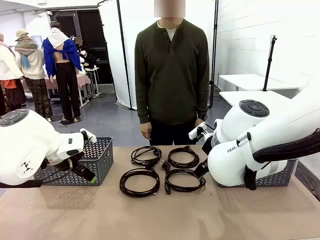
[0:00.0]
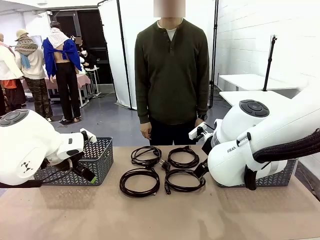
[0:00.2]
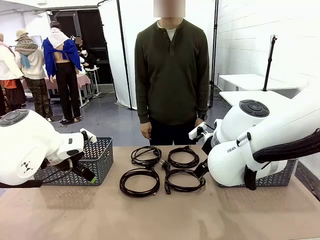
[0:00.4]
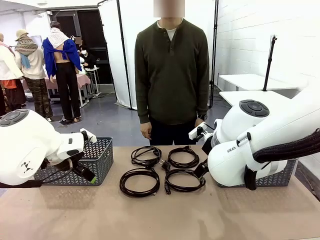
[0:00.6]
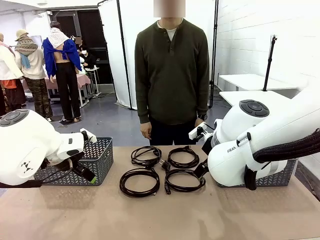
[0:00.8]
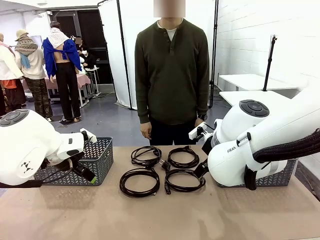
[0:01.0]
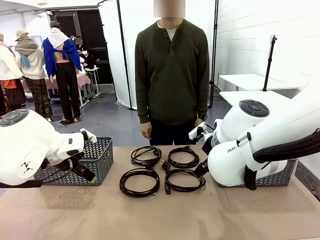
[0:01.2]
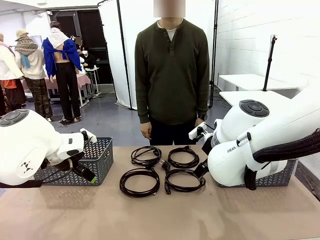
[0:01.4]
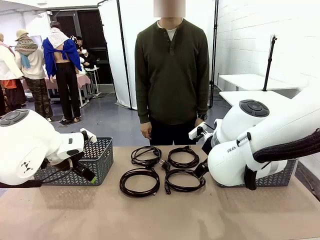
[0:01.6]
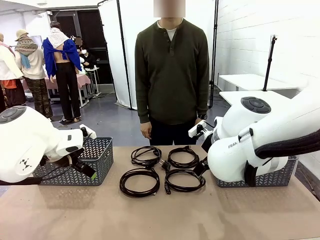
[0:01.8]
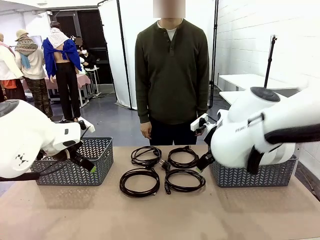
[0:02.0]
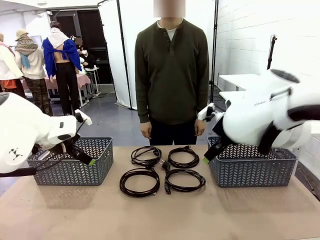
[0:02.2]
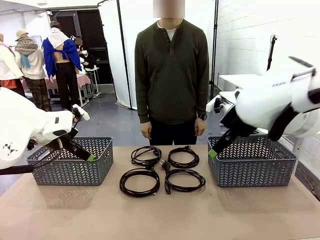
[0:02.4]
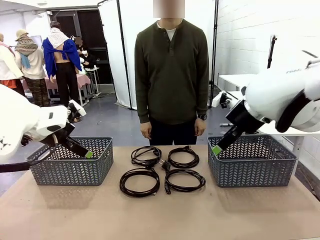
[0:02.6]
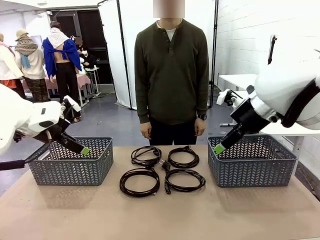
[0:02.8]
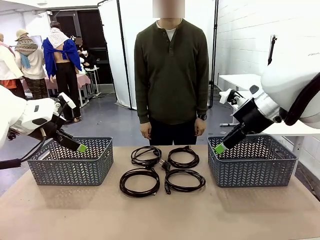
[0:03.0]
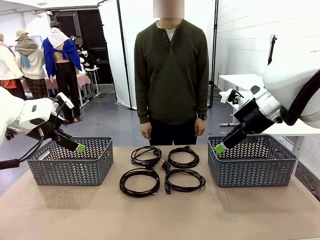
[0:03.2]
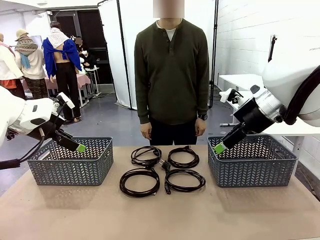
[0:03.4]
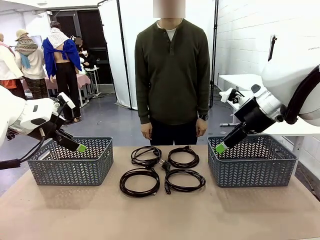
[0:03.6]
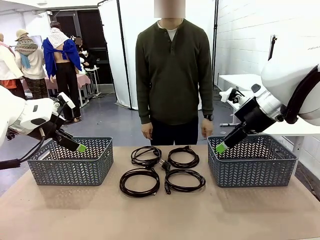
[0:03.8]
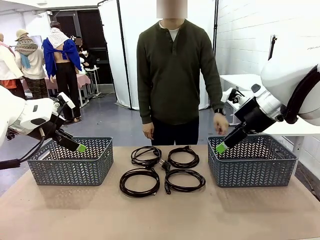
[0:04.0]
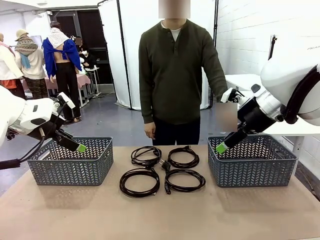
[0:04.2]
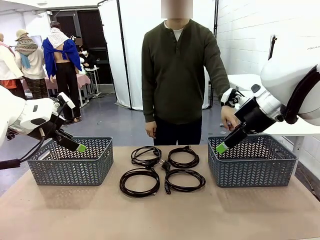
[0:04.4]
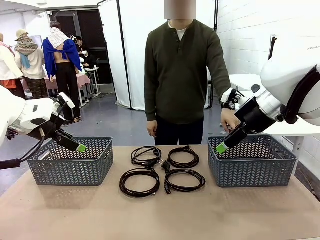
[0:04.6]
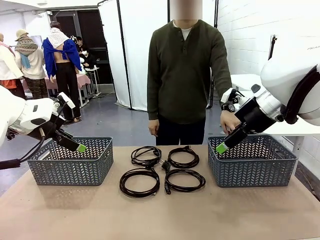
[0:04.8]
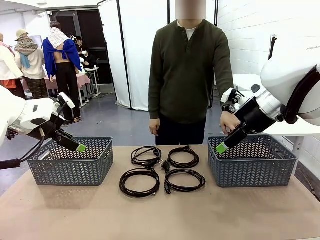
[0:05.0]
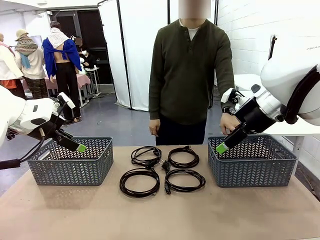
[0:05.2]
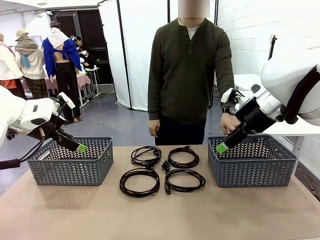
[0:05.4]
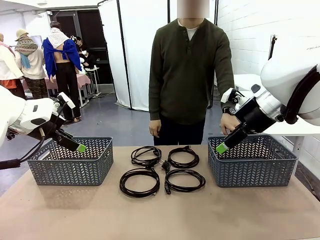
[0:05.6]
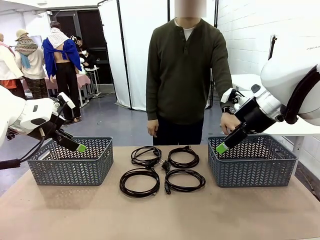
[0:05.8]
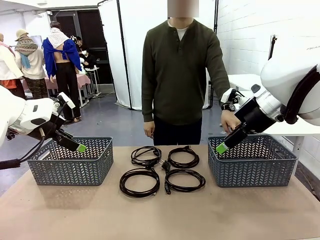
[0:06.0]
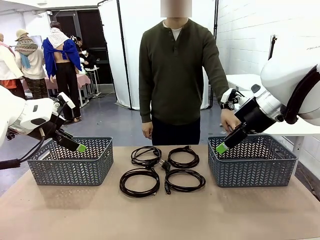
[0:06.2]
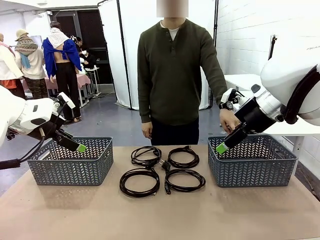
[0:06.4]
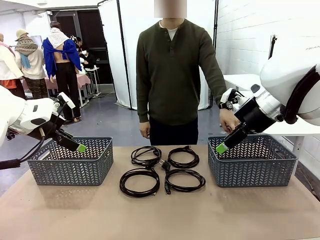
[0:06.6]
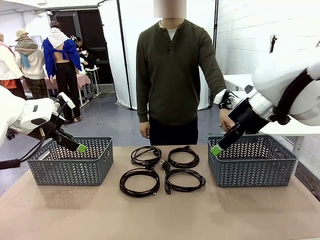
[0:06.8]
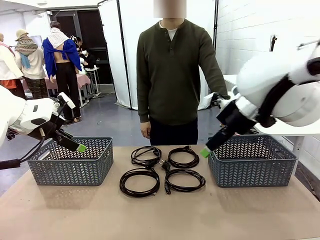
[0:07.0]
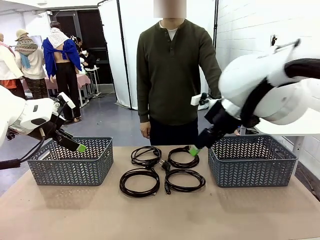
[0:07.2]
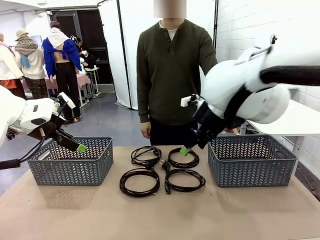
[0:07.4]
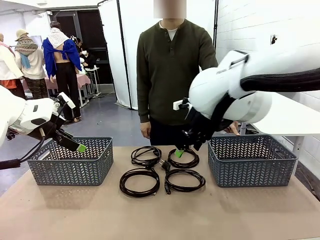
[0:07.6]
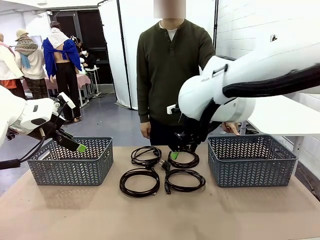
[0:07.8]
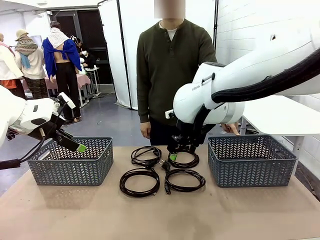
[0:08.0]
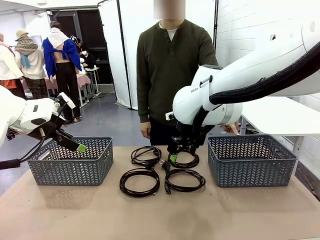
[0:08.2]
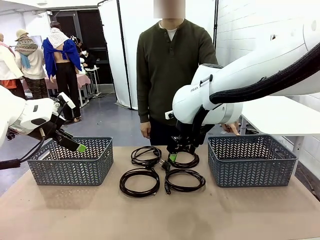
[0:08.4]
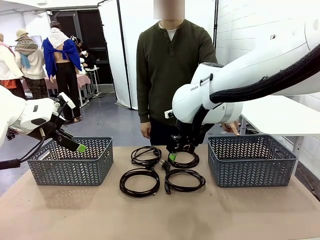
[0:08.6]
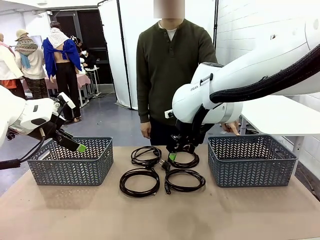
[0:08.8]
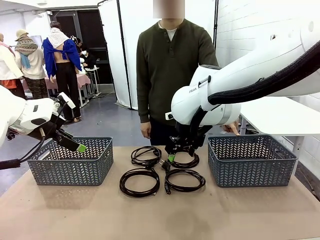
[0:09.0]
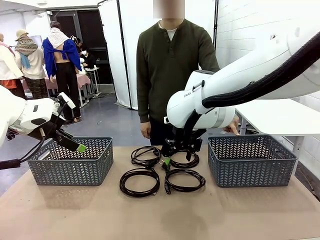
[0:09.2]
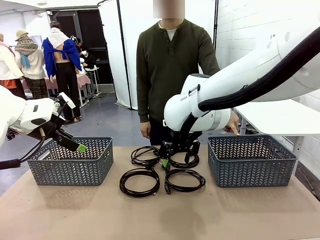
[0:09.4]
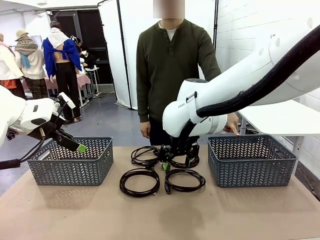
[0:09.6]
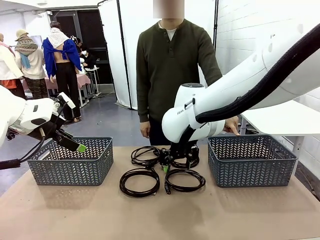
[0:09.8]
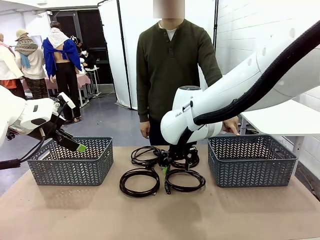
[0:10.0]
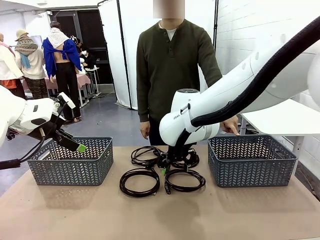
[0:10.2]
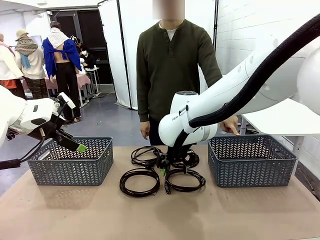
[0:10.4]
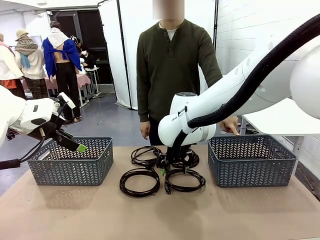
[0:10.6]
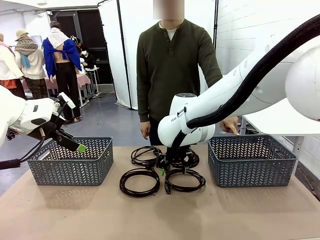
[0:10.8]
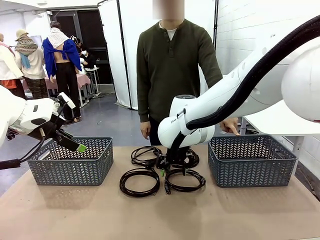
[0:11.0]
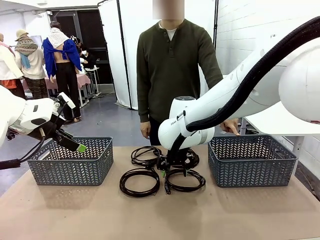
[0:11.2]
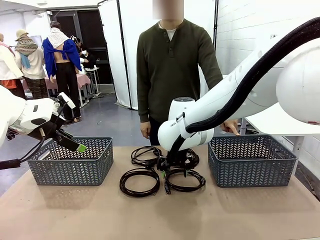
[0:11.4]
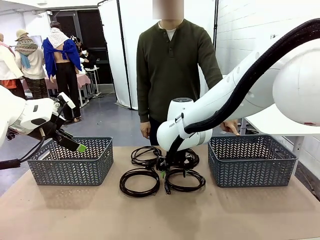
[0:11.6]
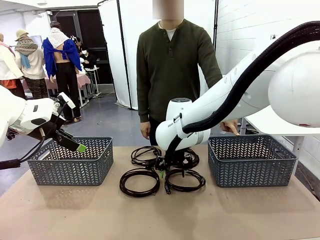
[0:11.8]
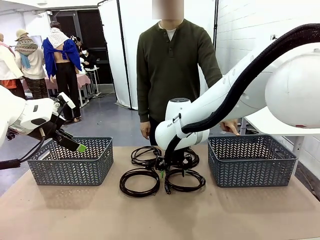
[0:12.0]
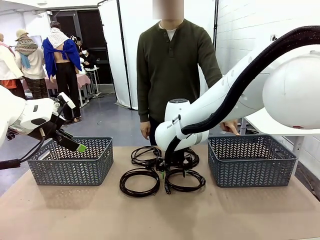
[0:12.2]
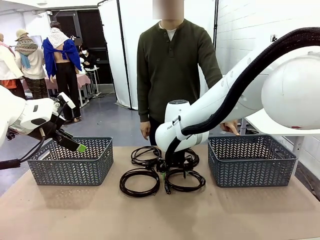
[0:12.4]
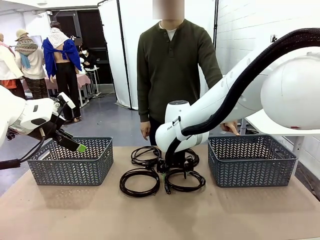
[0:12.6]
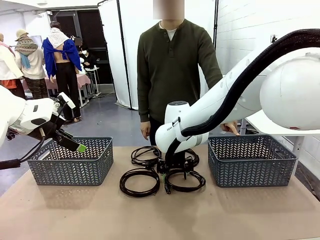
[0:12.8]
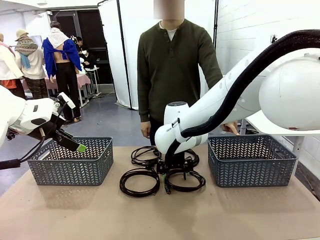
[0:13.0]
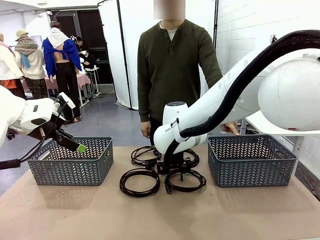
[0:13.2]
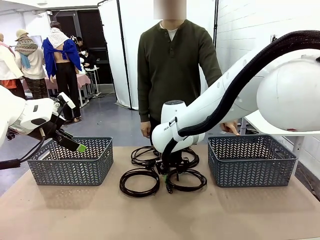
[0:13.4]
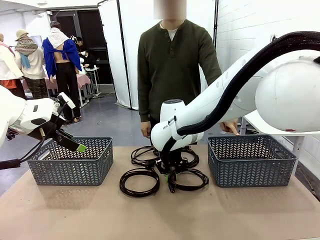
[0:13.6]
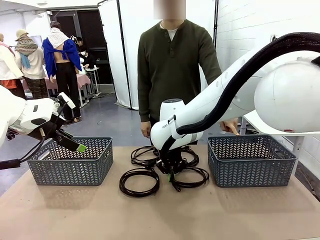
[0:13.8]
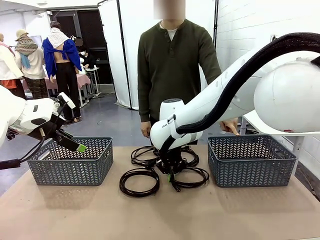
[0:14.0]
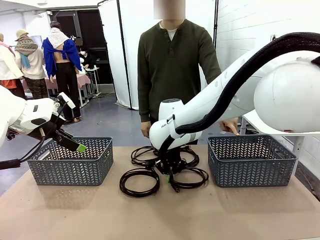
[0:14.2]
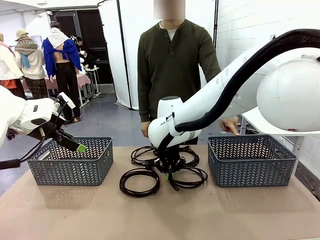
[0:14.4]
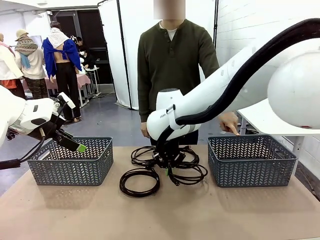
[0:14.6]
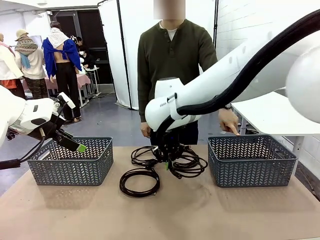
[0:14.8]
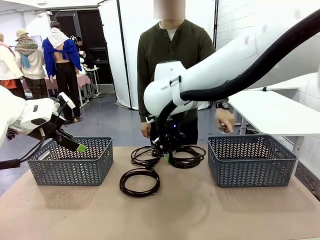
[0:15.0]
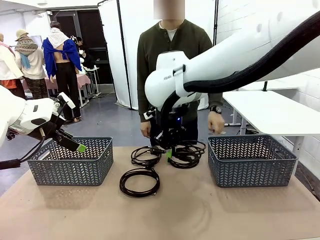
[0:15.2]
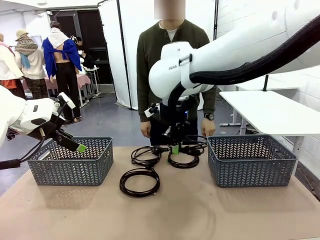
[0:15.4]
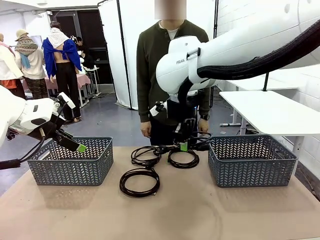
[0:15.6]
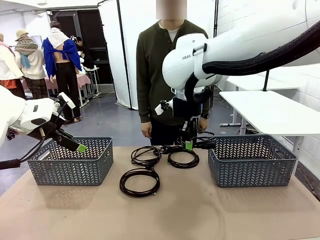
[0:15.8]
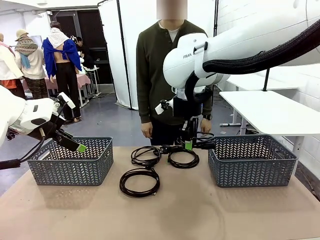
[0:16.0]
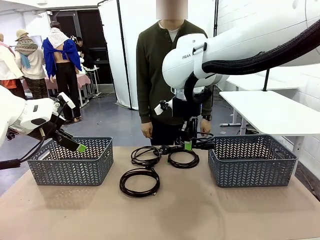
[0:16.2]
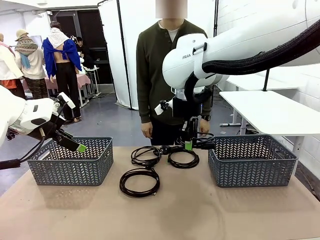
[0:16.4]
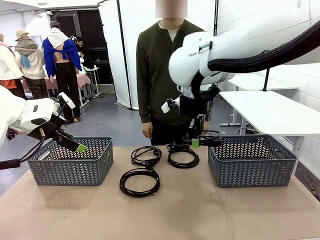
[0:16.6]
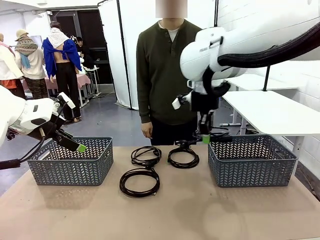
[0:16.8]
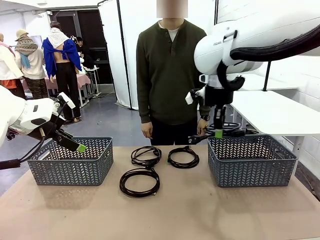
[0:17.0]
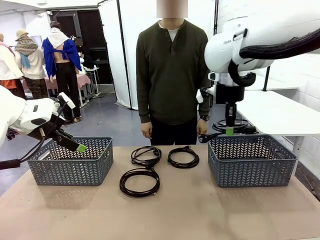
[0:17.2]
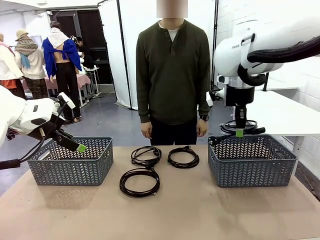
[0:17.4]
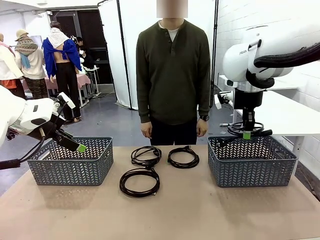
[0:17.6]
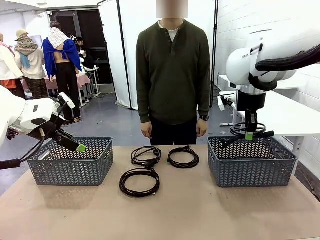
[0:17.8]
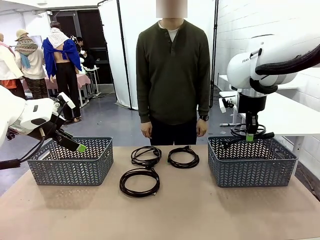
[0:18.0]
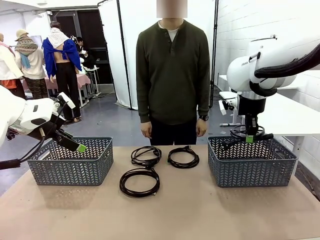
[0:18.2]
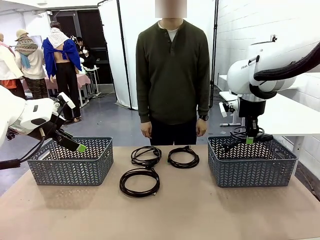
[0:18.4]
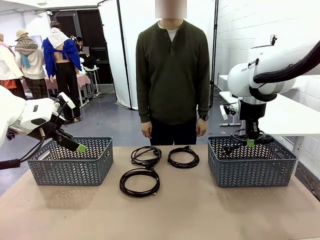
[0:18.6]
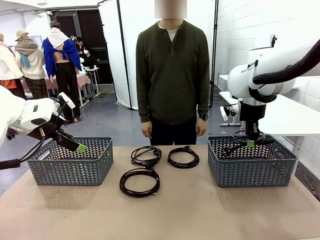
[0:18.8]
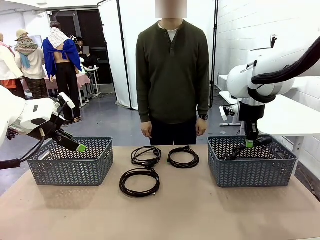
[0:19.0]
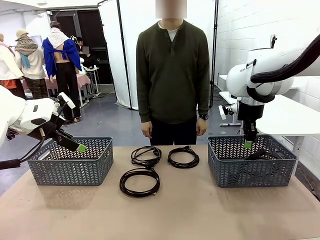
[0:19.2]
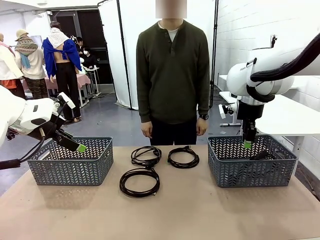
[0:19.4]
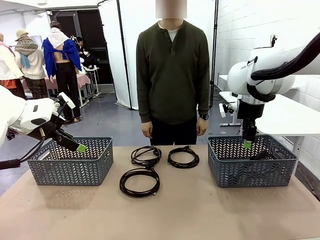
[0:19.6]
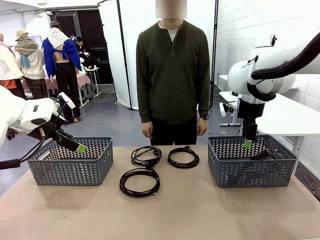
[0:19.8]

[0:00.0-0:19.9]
Task: Organize the cables according to human instructions.
Robot: Pick up a bundle of cables and place it in the basket indicated by the human.
